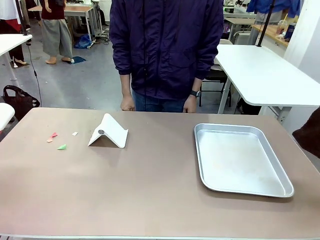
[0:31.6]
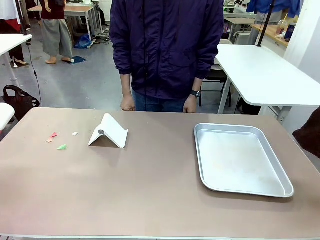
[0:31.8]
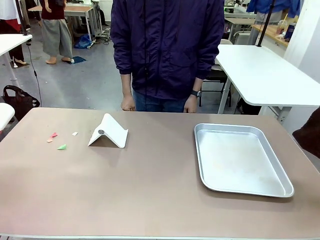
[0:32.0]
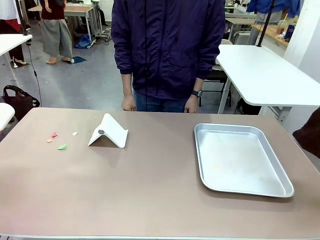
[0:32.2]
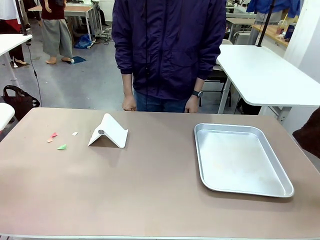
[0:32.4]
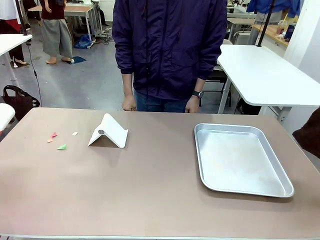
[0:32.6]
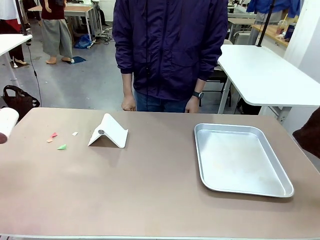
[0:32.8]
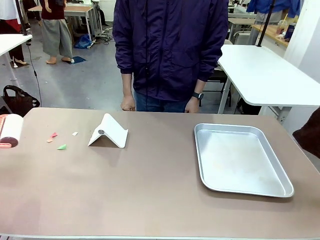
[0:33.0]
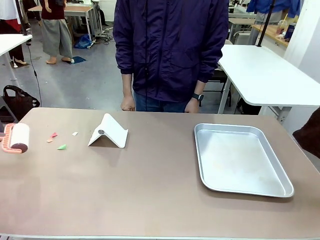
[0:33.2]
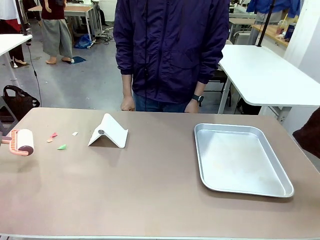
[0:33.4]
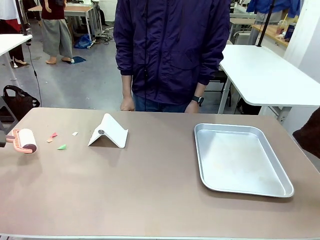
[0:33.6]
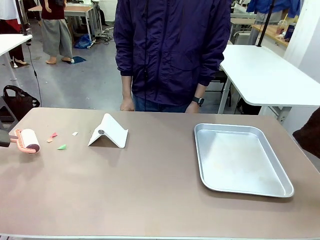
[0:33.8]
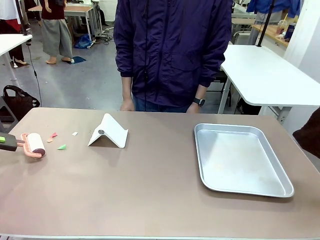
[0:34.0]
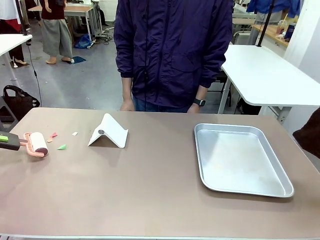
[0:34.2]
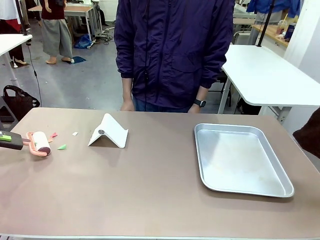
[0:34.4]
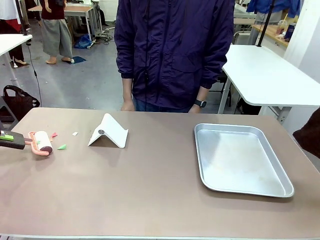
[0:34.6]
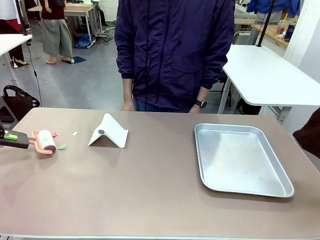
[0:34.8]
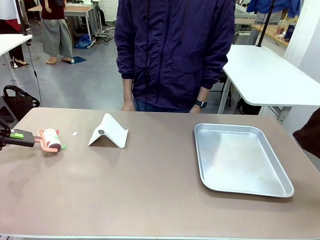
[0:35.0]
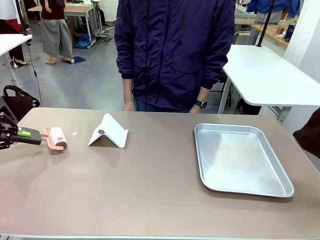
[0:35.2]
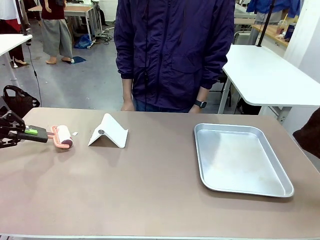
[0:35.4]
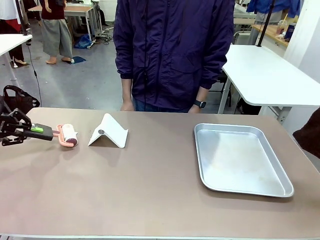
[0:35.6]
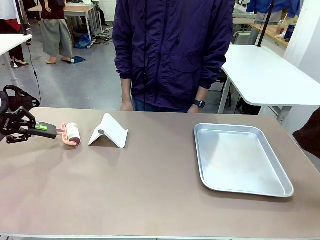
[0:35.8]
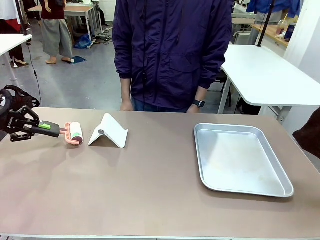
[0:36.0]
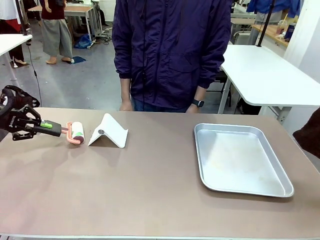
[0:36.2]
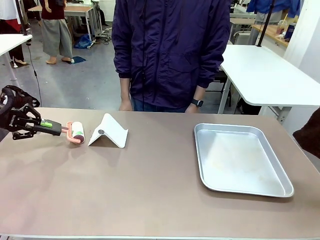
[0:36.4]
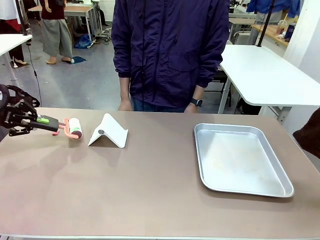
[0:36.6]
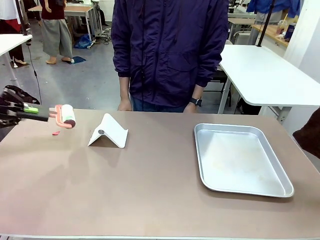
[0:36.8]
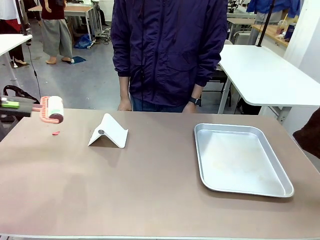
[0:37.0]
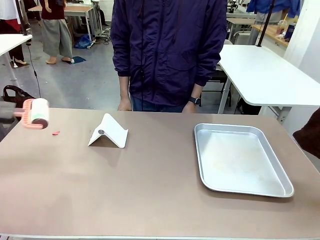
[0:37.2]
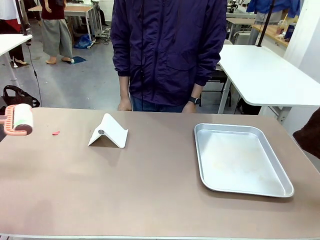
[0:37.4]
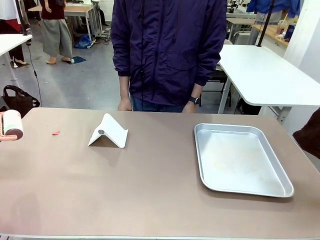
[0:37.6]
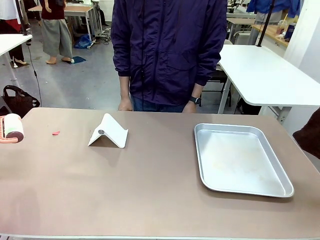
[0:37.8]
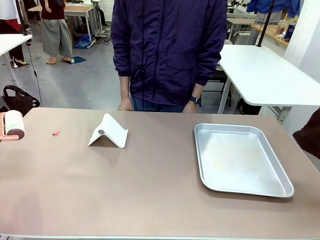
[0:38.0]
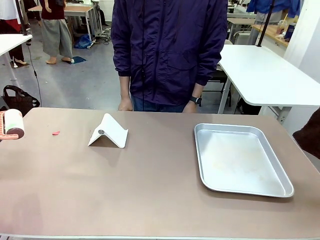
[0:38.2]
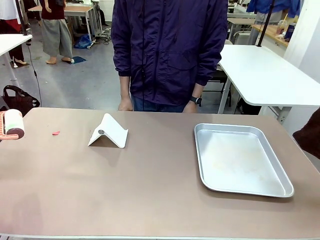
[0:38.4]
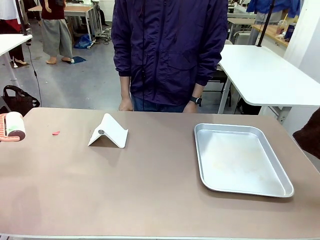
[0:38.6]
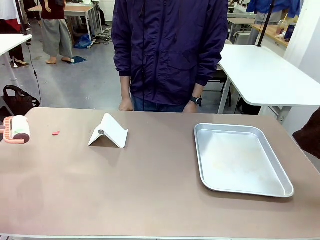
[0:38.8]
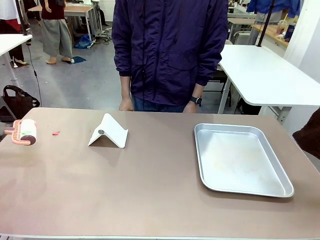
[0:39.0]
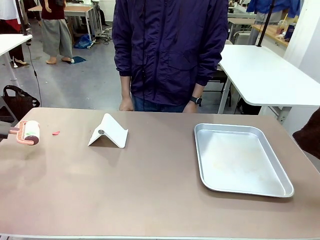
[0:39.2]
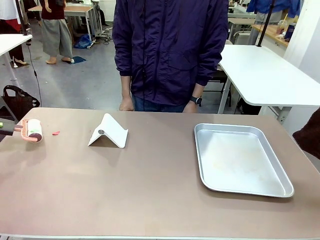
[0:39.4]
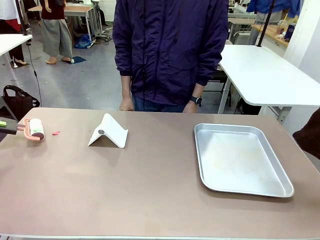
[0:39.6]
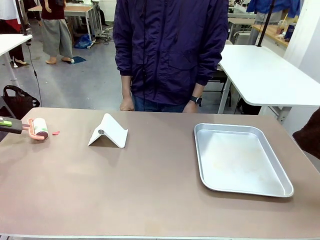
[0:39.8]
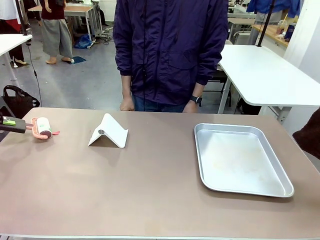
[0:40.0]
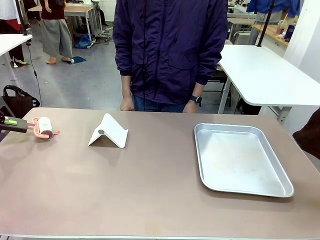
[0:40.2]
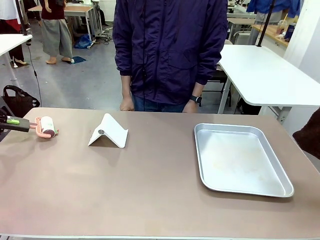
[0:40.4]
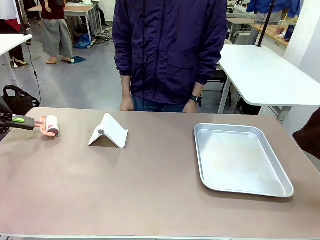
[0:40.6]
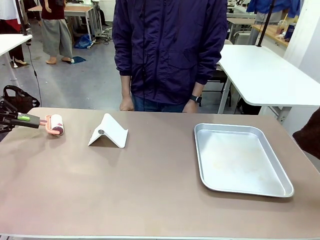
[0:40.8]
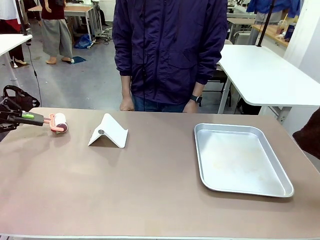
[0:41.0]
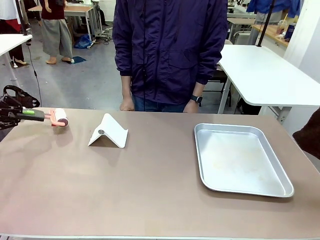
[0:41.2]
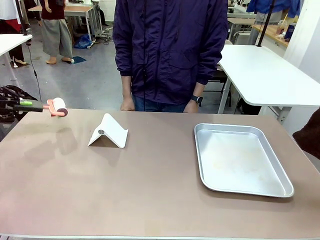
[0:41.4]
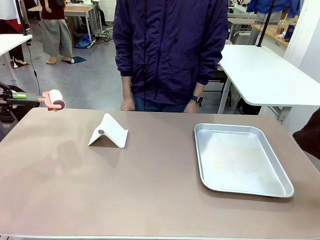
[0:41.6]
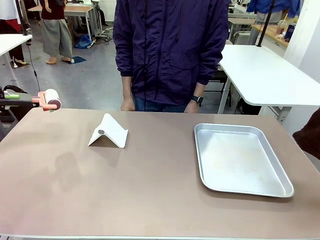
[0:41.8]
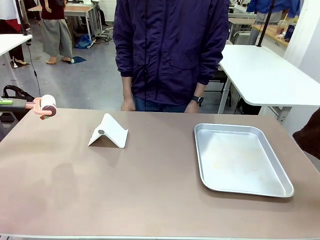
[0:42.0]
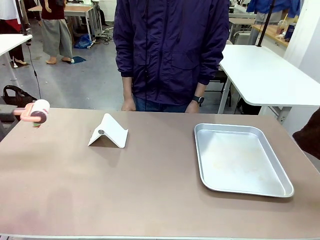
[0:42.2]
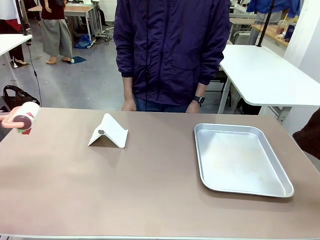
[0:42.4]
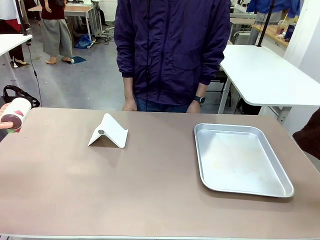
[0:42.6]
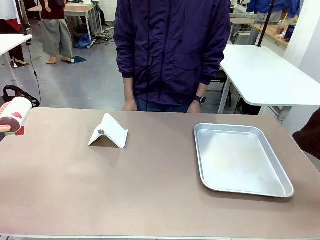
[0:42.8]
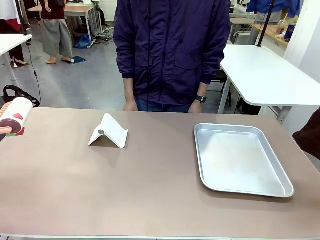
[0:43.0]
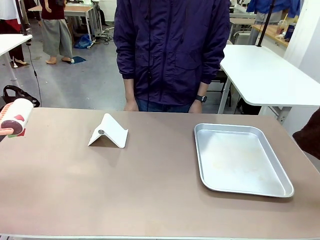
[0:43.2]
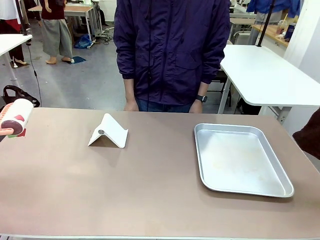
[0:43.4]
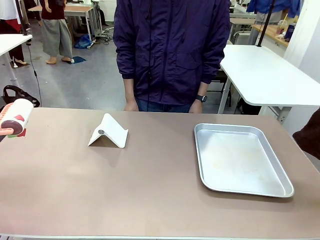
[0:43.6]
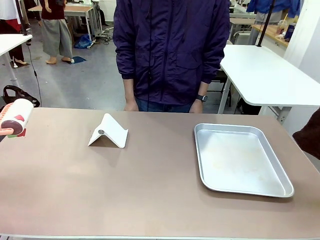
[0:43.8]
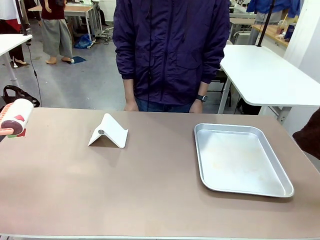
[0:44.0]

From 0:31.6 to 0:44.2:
Task: Clean the surface of the table.
Robot: Clean the area not pointed to by the person.

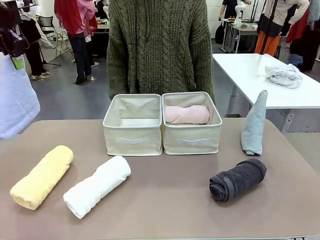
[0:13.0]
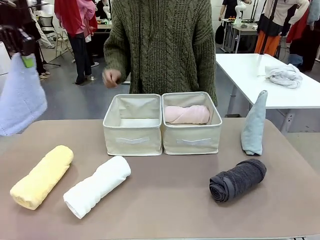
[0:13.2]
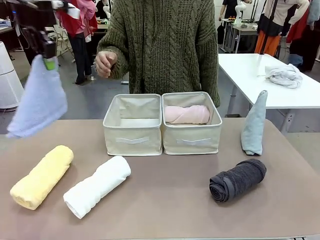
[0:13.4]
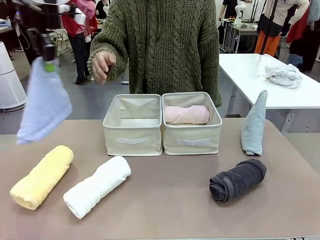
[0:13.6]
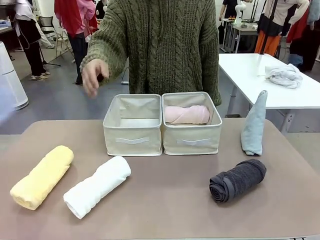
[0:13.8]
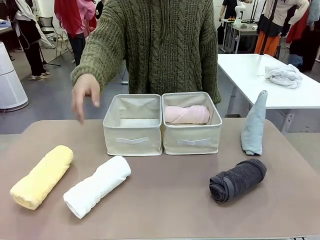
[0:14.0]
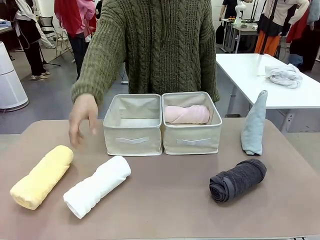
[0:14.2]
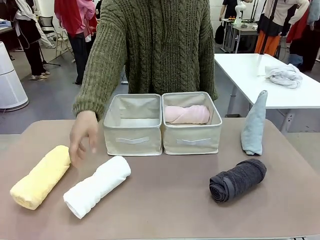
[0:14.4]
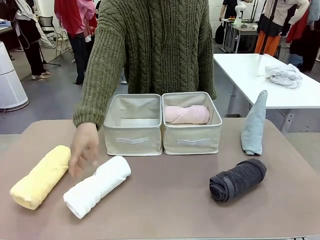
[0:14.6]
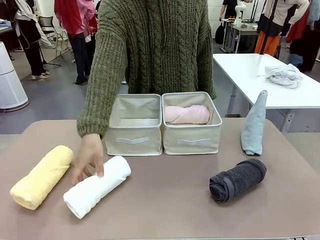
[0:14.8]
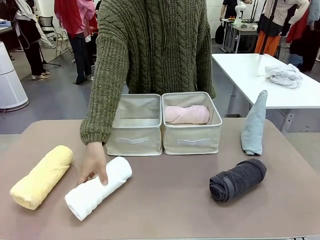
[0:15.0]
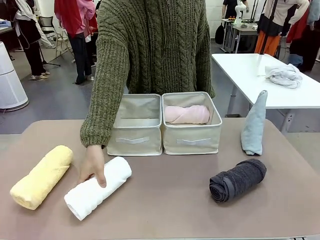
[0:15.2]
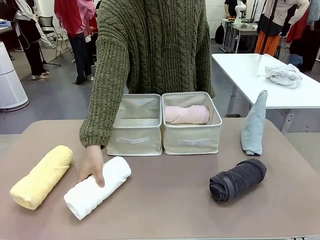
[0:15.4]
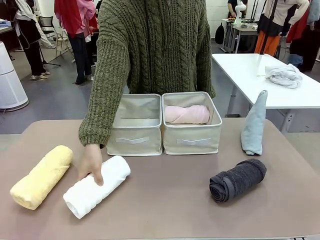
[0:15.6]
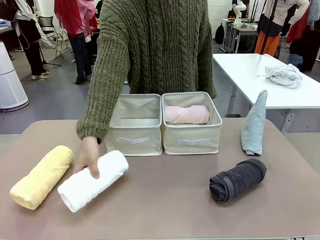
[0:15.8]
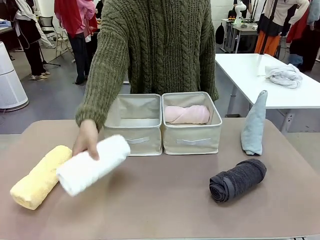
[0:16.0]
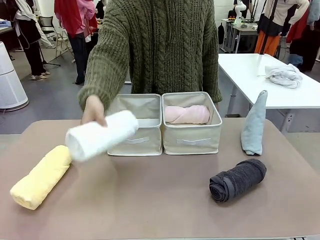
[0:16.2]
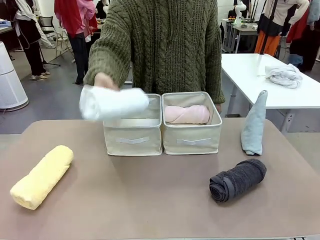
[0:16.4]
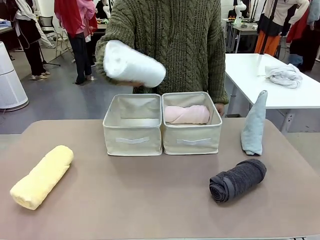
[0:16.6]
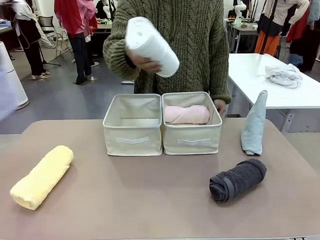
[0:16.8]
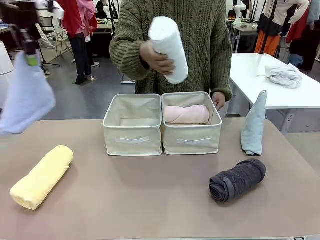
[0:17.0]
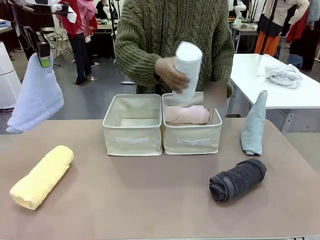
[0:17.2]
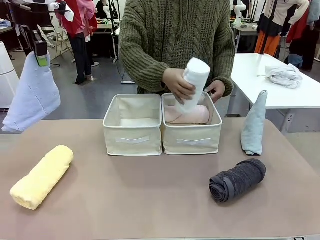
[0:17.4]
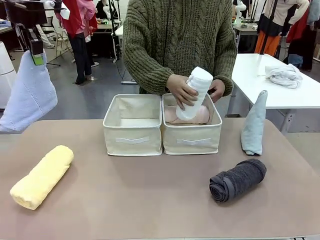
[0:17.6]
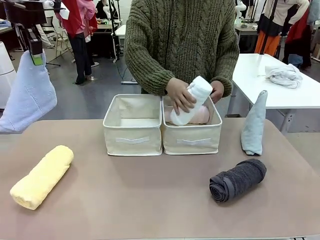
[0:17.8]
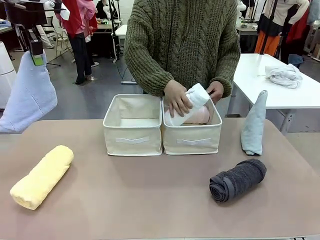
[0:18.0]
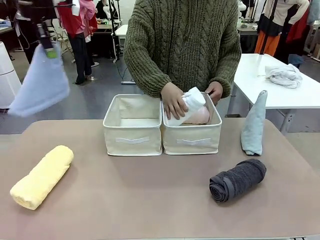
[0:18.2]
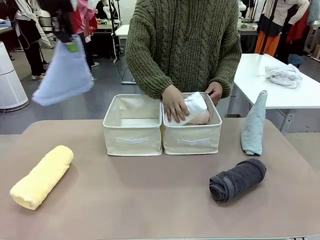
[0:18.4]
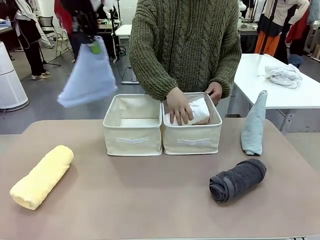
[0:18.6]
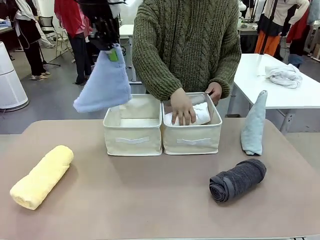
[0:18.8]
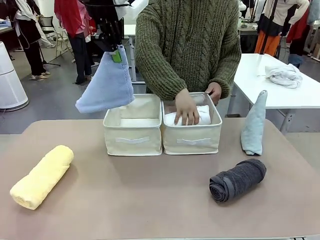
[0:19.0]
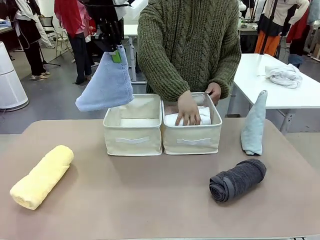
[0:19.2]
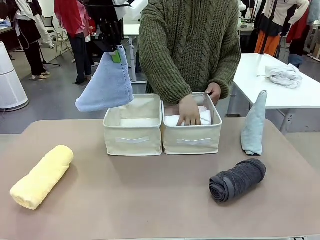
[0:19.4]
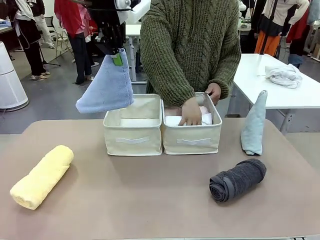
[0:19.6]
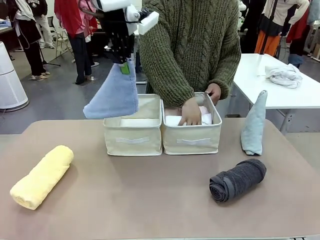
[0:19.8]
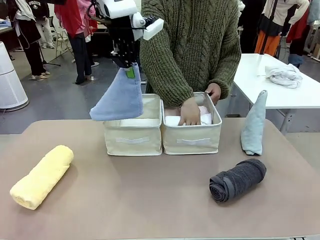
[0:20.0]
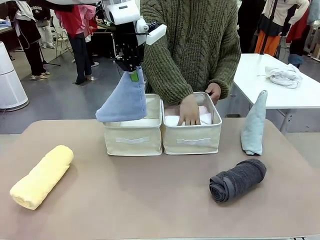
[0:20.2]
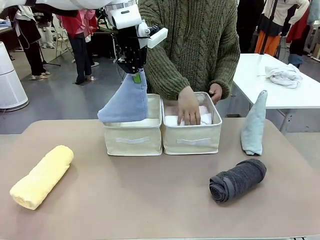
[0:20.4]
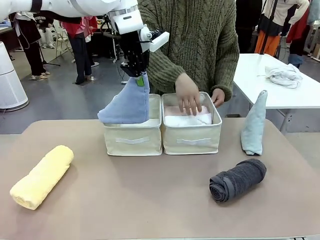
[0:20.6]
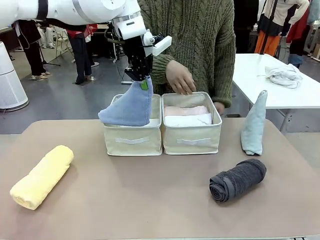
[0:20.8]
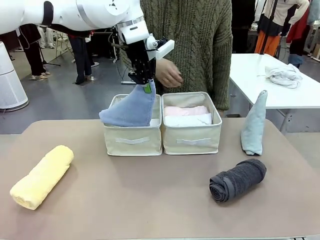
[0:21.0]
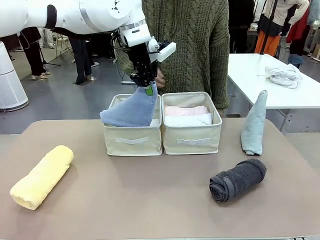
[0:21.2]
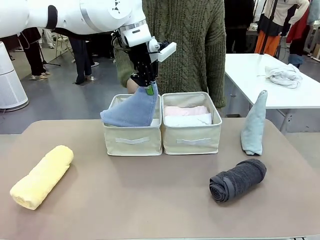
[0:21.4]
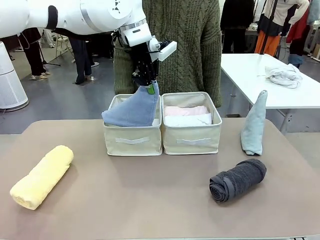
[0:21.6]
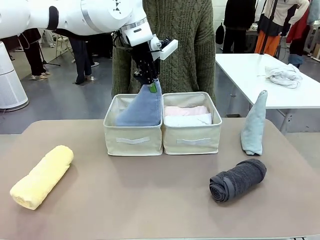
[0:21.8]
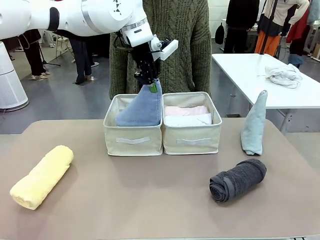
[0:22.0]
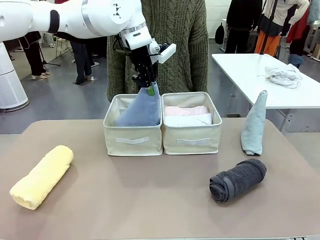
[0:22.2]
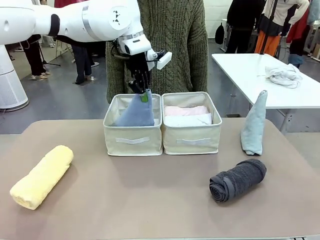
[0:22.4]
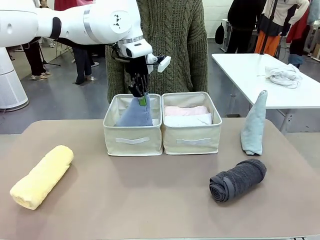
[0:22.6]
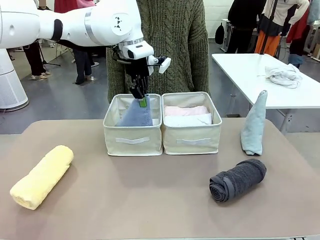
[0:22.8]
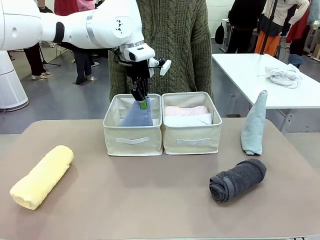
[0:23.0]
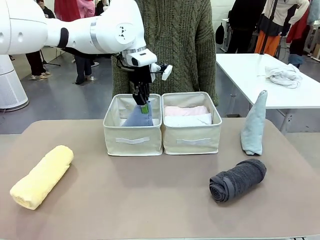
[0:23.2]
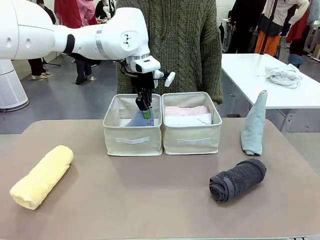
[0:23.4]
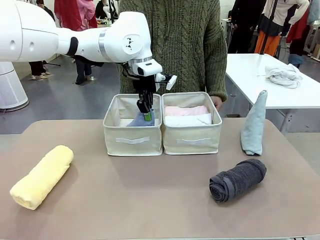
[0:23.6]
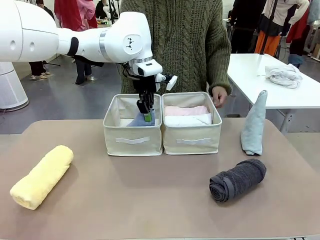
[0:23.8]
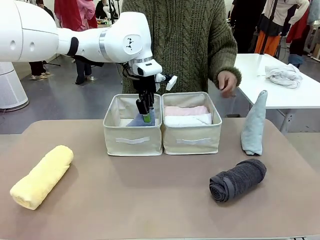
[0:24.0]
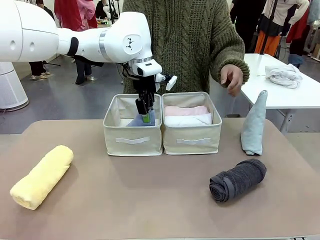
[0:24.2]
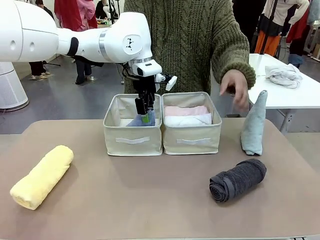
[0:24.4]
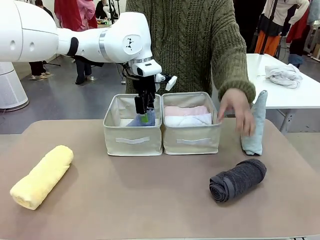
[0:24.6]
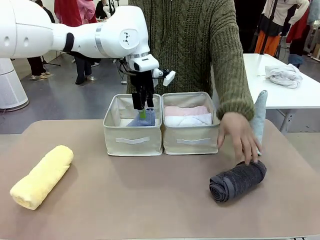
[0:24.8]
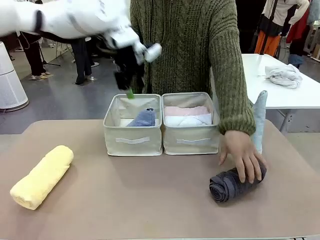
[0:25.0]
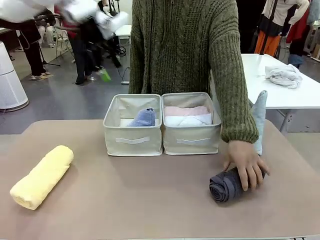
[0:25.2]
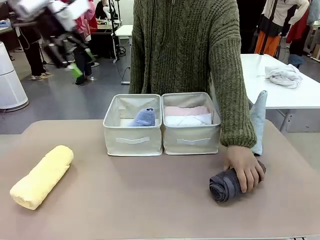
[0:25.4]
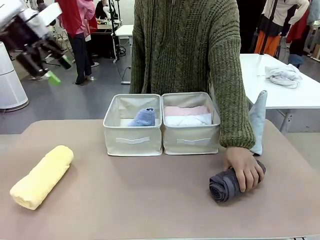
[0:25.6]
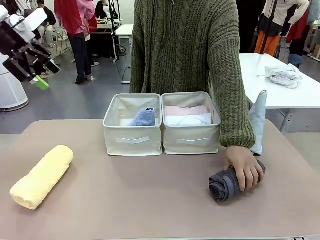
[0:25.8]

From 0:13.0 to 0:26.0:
Task: Sort the towels based on their folding style.
Robot: Pick up one triangle-folded towel and place it in the left Fabric basket.
